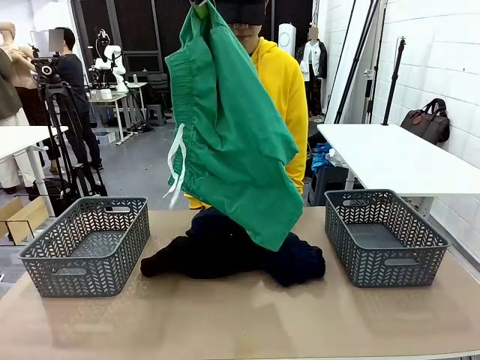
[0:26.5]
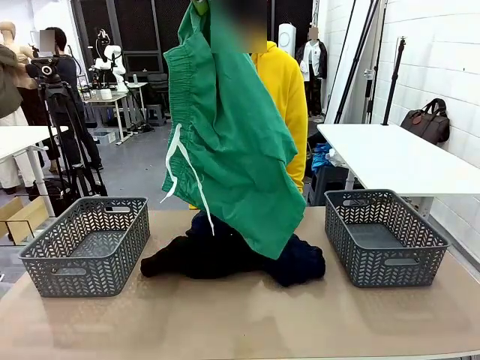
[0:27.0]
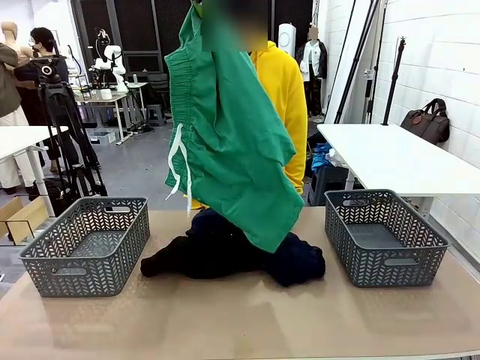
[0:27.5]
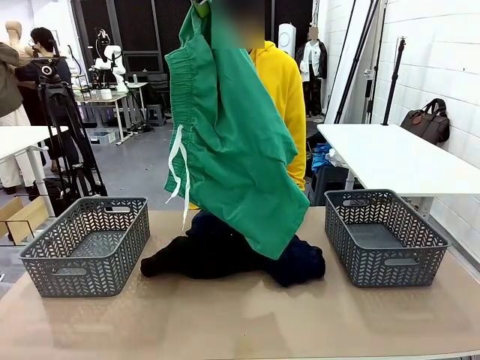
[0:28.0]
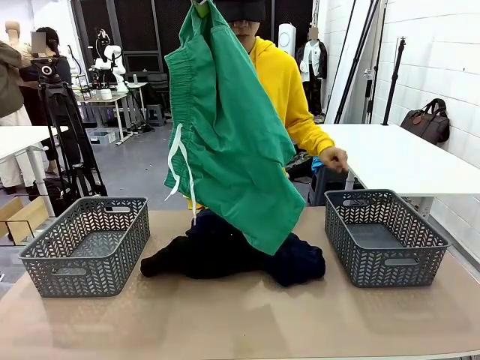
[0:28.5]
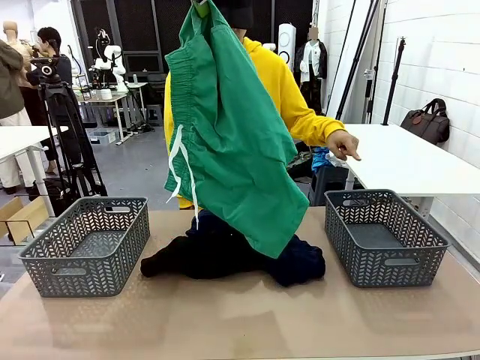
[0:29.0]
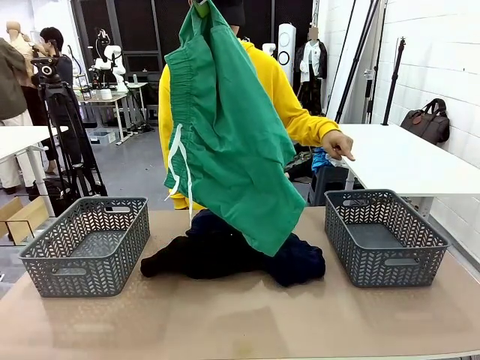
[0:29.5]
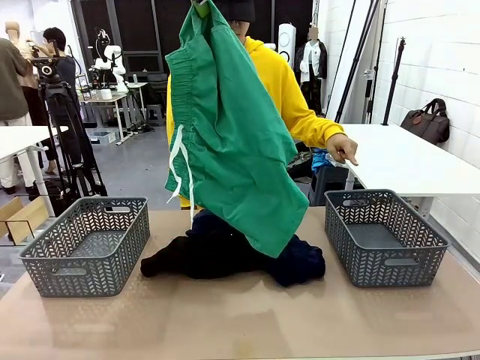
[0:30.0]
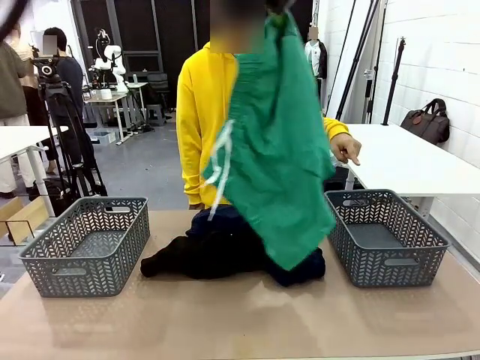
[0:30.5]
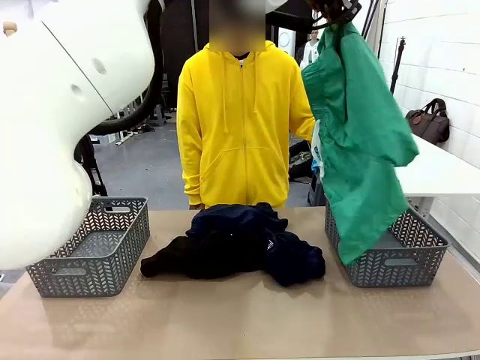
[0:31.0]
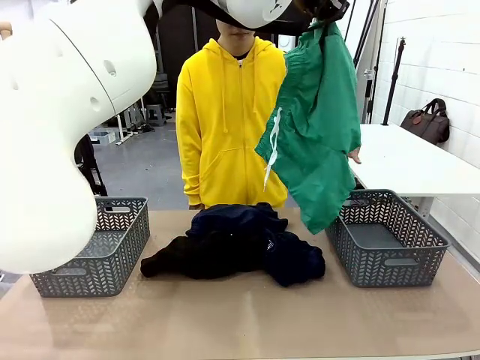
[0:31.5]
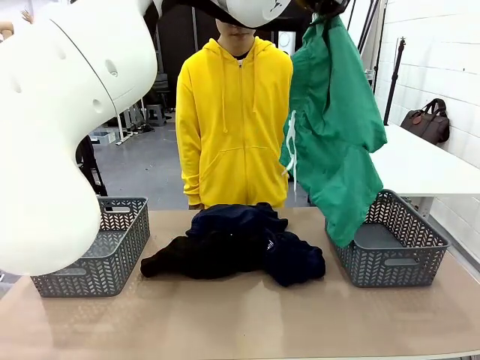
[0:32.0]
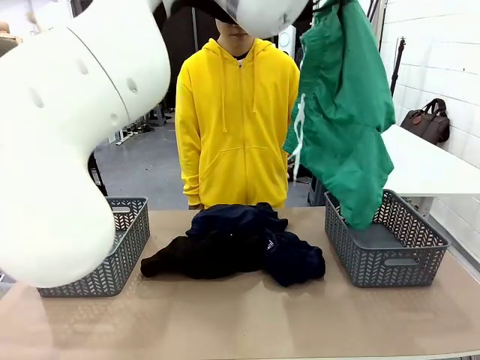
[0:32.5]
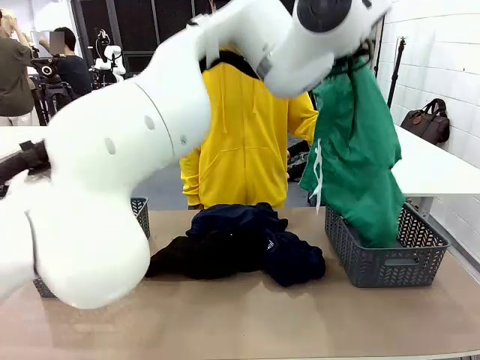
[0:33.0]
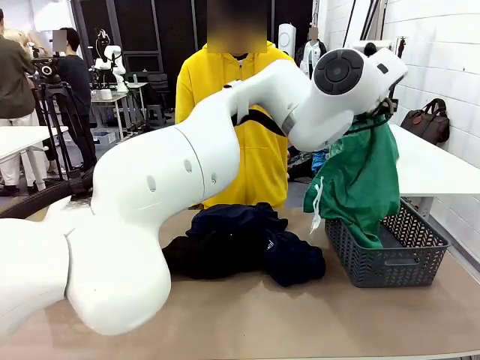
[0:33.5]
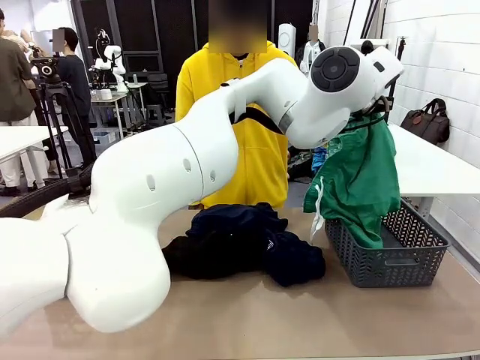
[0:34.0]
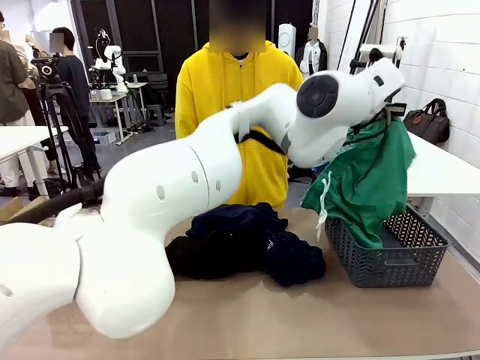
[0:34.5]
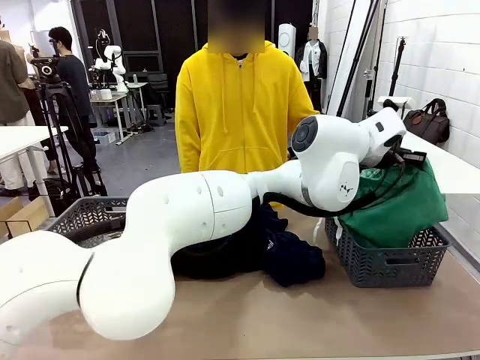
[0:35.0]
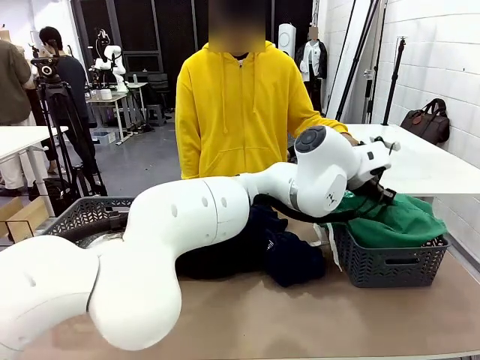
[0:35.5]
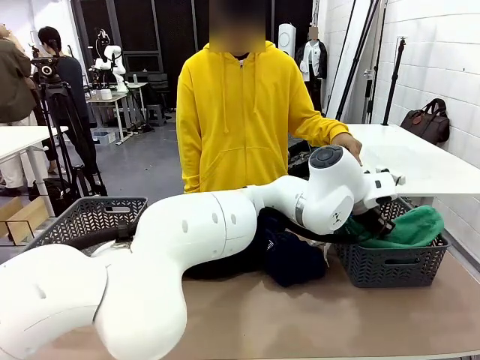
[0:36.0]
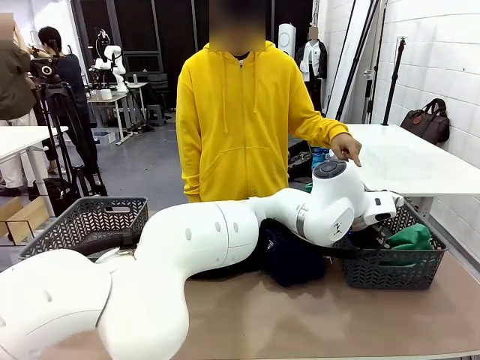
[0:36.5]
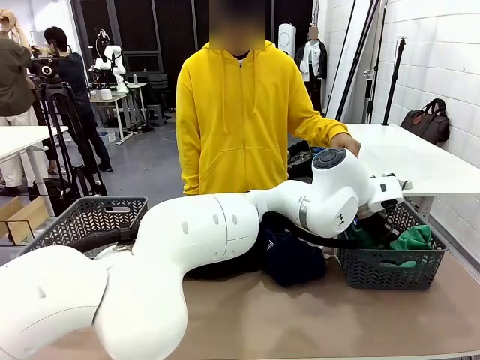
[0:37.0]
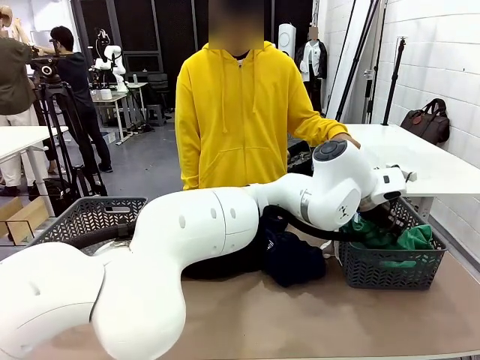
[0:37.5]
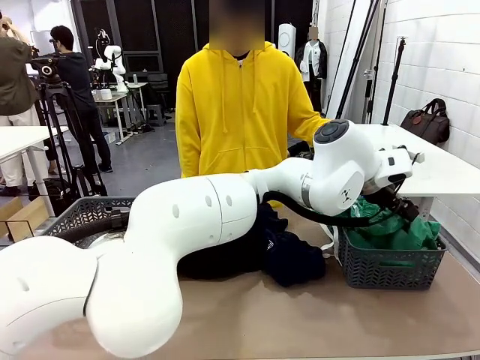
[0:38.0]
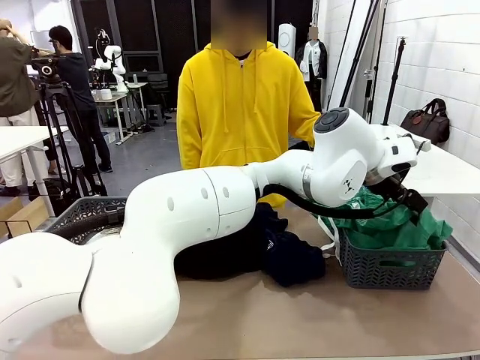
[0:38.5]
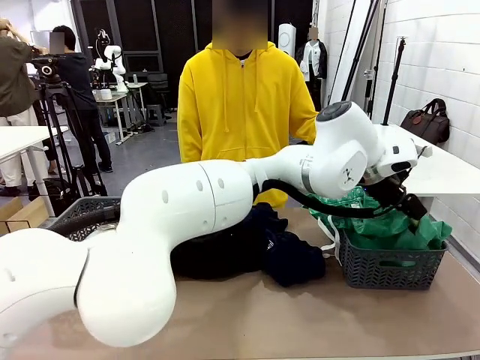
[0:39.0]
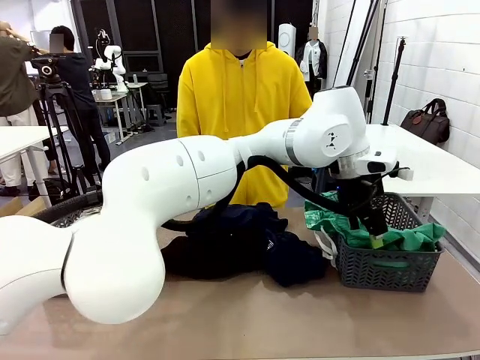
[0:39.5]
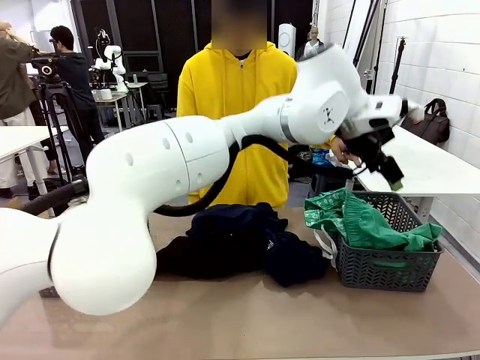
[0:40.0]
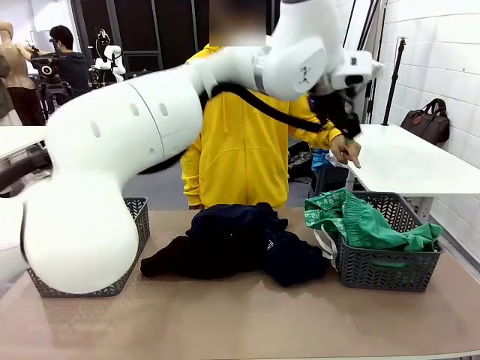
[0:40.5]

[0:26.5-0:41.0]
Task: Sort the tops and bottoms.
Robot: Sort the clothes according to human instructions.

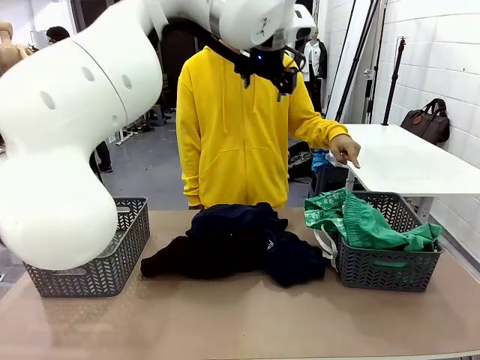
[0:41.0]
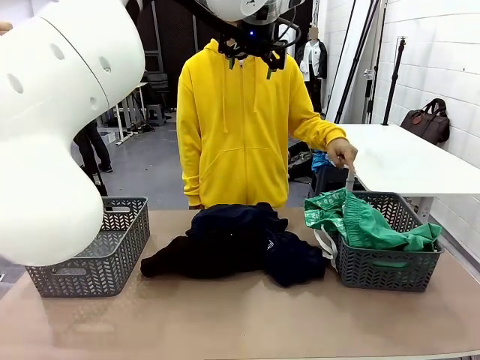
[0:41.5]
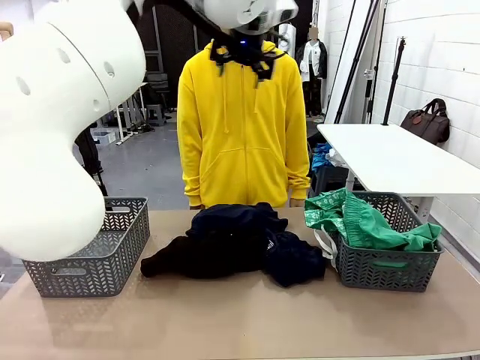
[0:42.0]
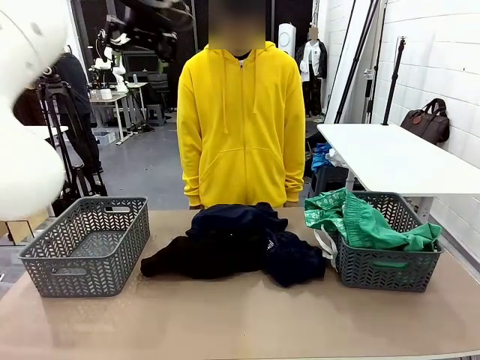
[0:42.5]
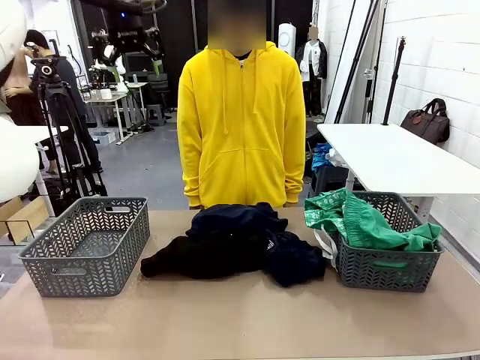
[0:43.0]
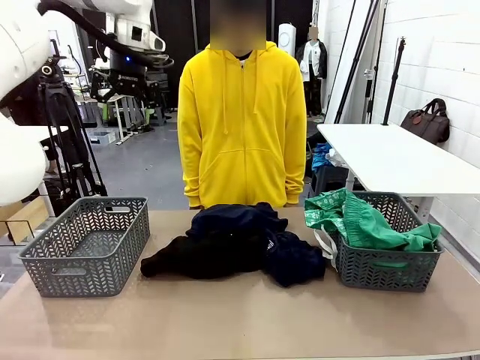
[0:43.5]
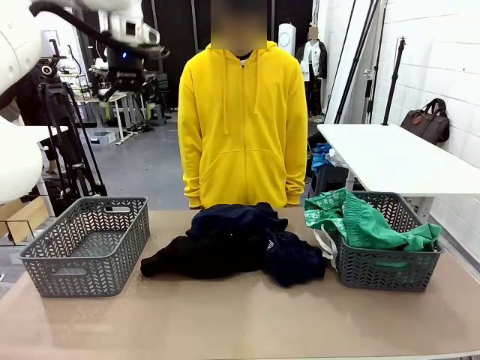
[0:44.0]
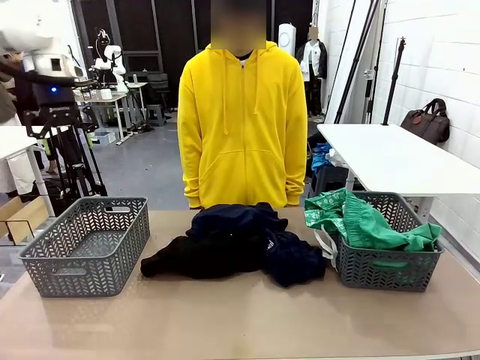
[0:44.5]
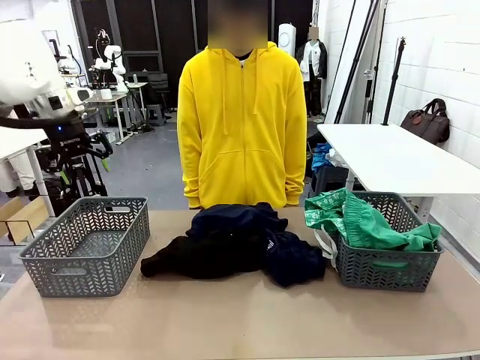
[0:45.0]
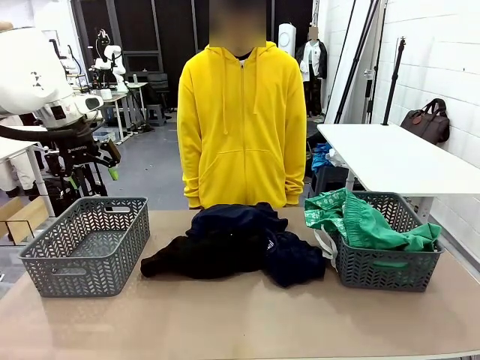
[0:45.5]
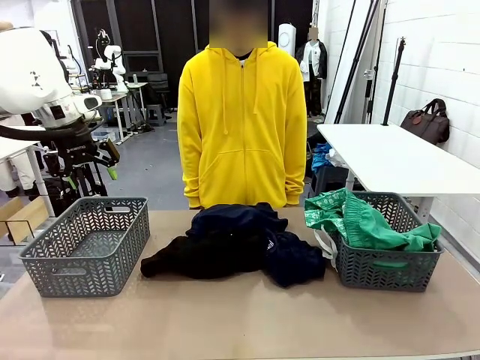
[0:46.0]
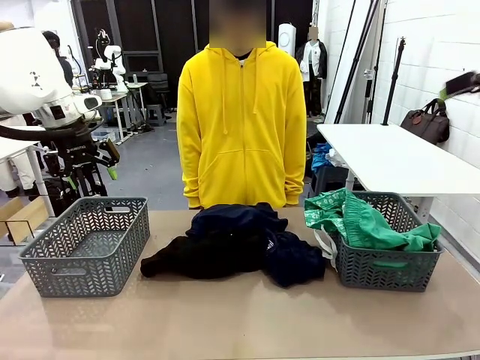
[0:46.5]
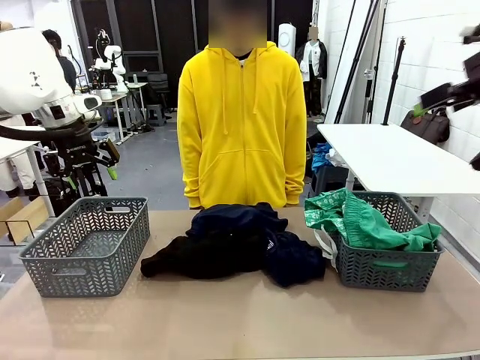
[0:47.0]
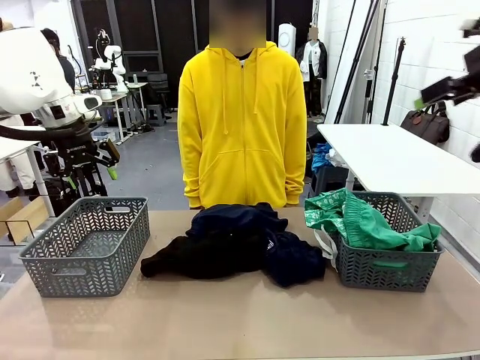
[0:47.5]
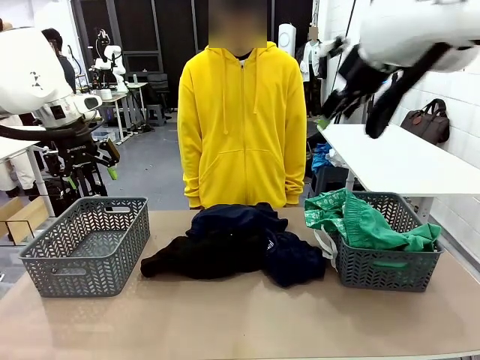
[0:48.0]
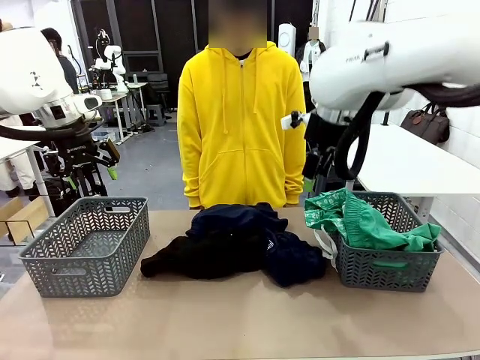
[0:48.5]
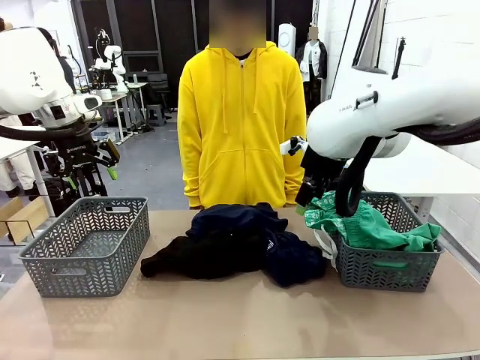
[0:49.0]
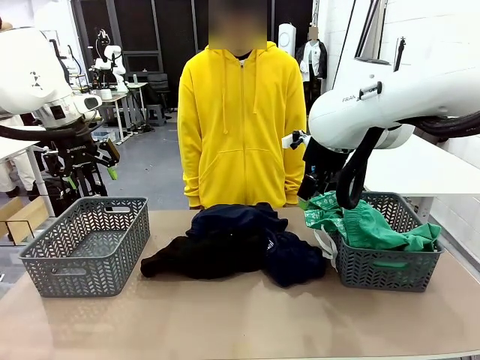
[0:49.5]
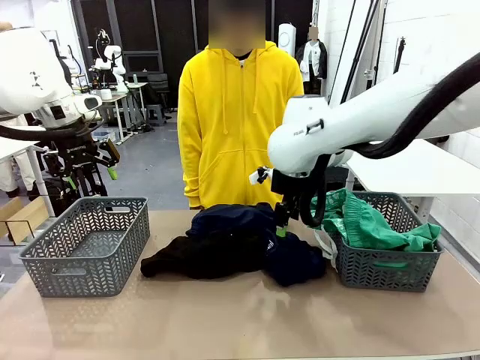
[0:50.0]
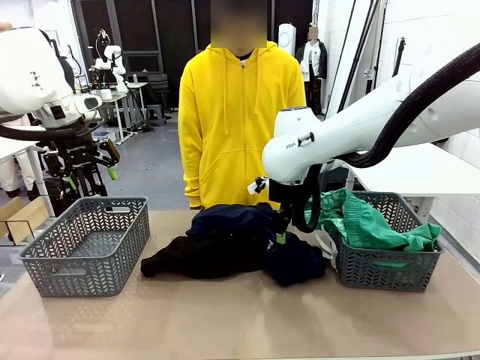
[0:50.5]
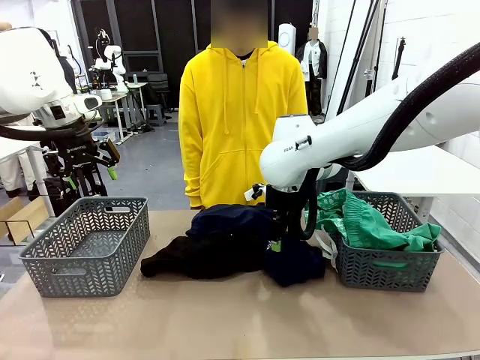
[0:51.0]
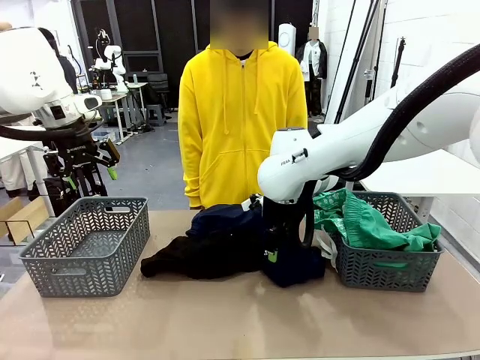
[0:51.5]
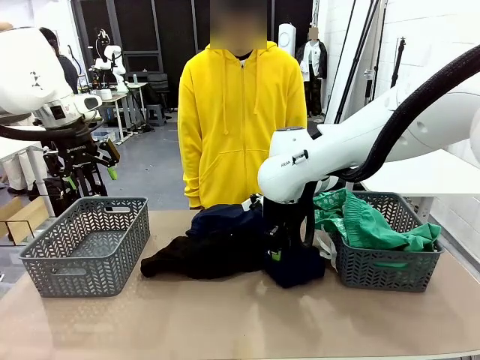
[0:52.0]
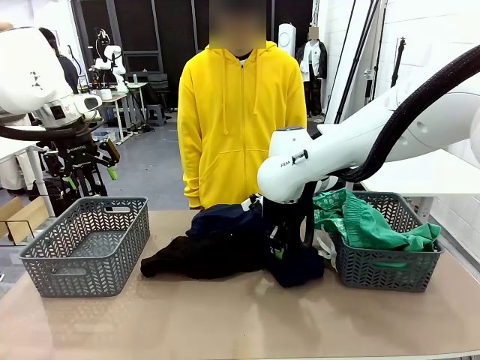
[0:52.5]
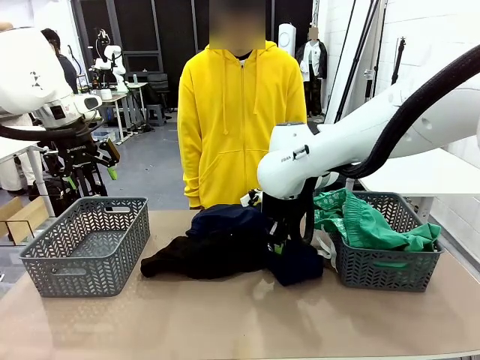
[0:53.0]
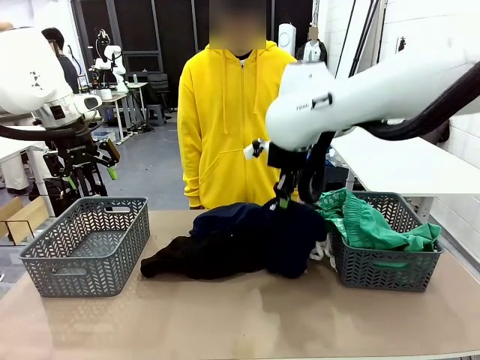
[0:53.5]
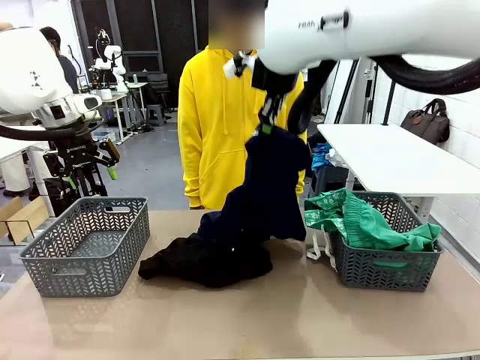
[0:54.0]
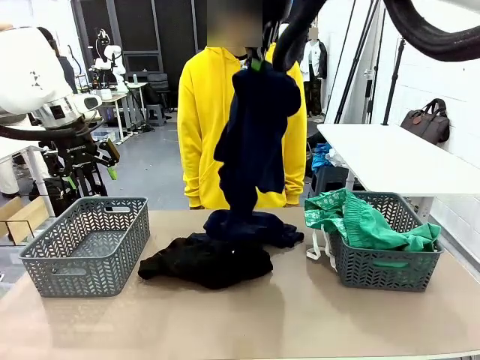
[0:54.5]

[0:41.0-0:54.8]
Robot: Lift clothes from the center of the table with your right hand.
